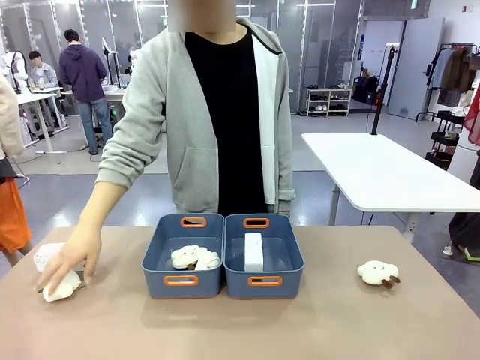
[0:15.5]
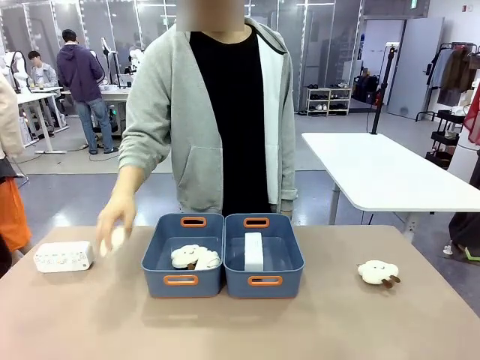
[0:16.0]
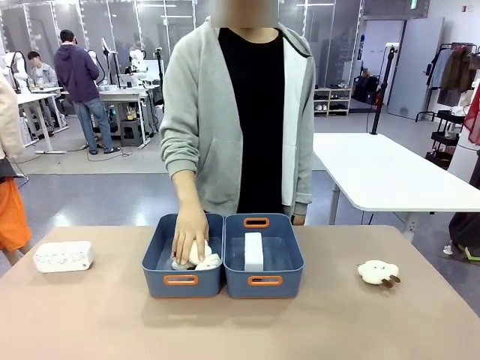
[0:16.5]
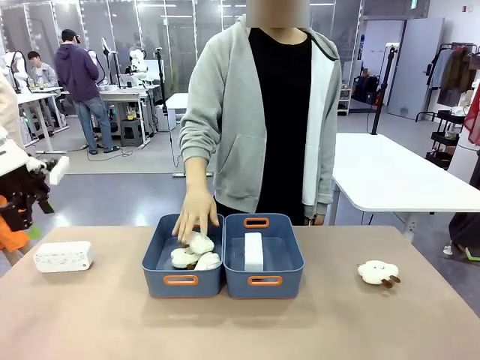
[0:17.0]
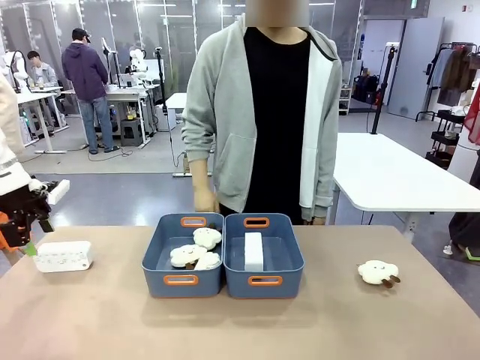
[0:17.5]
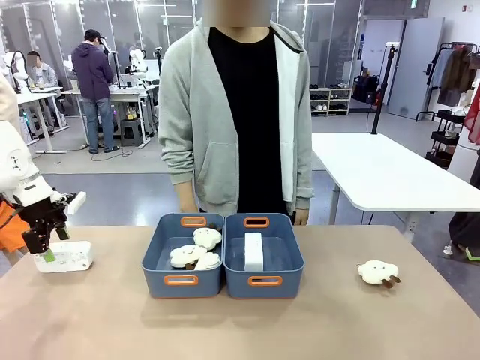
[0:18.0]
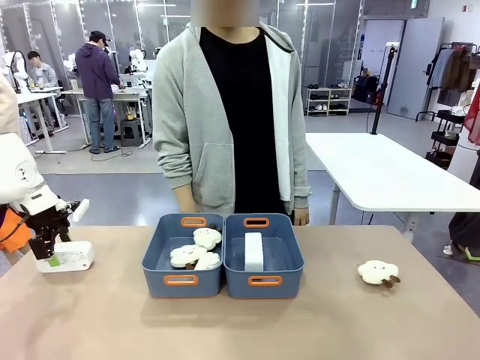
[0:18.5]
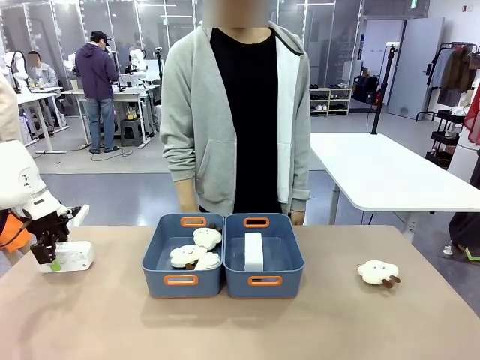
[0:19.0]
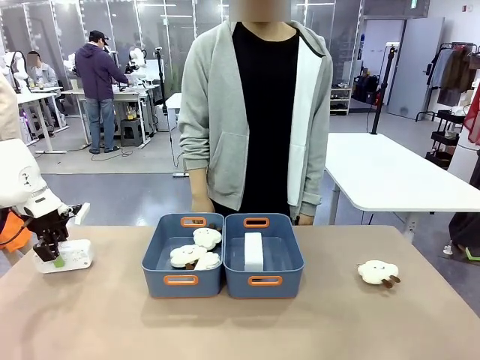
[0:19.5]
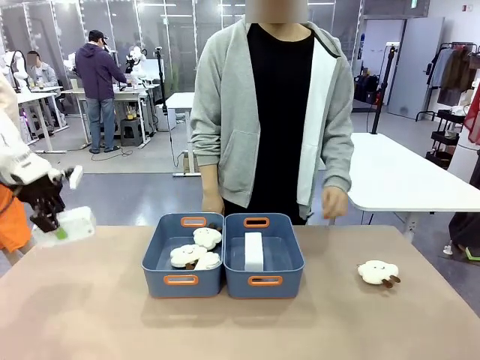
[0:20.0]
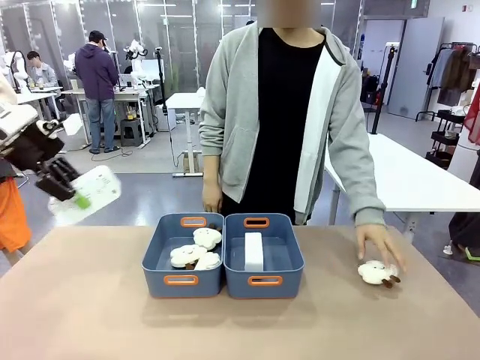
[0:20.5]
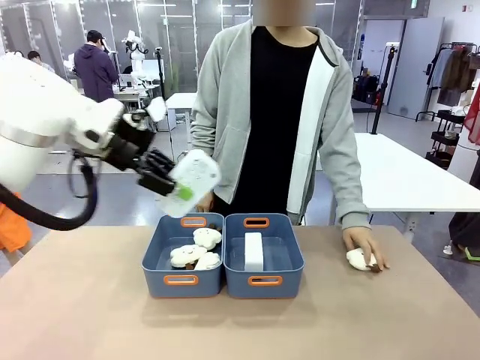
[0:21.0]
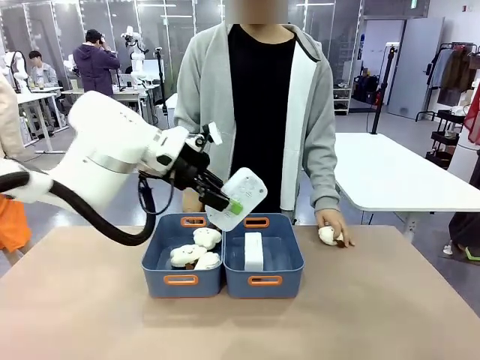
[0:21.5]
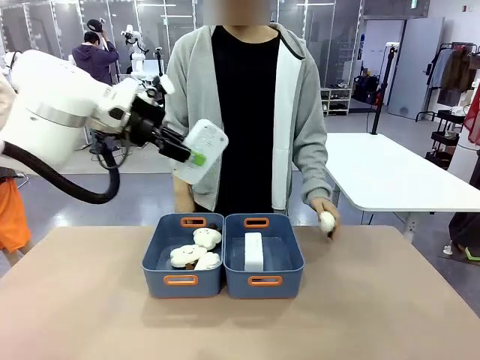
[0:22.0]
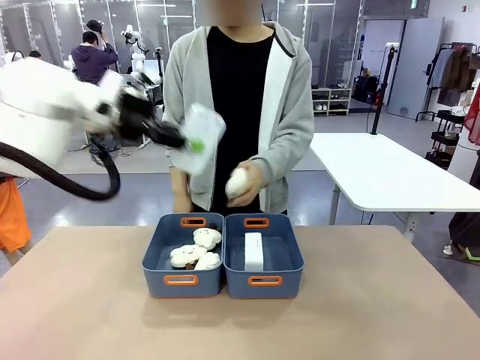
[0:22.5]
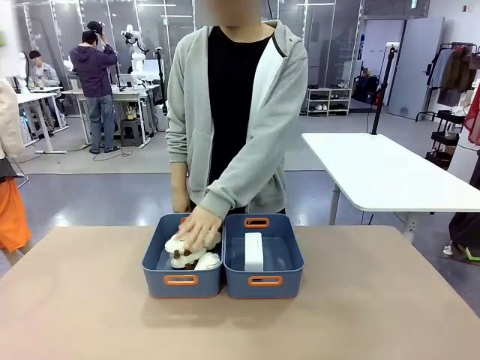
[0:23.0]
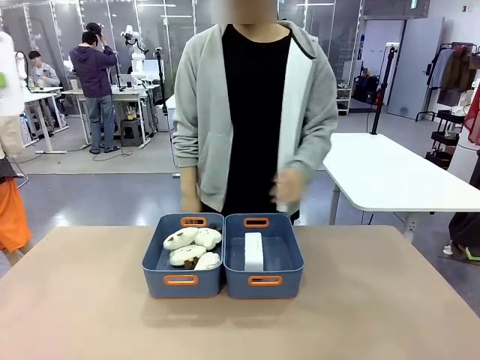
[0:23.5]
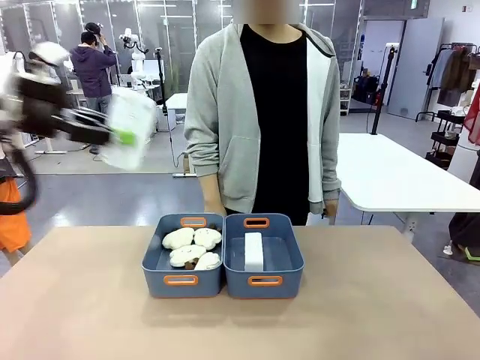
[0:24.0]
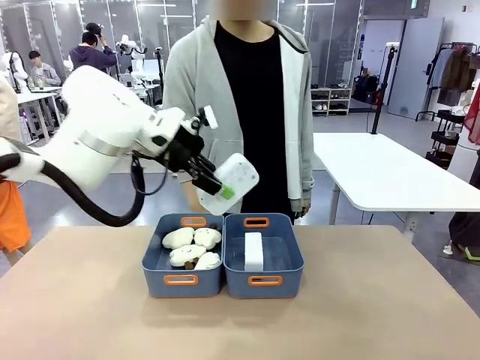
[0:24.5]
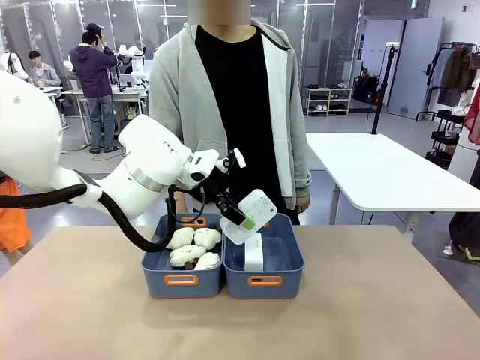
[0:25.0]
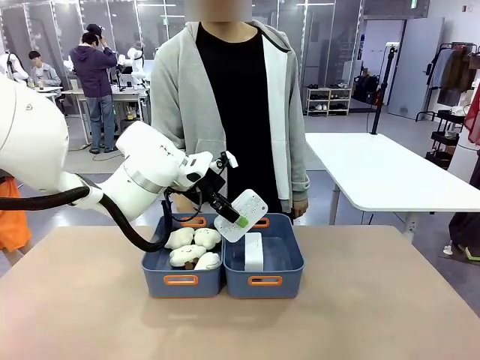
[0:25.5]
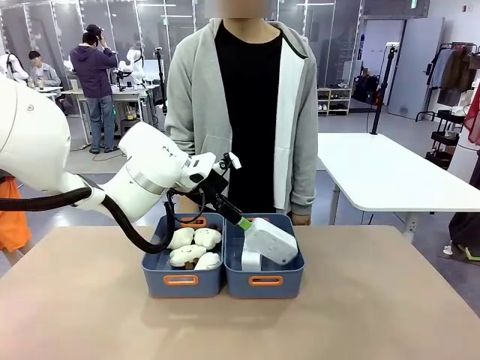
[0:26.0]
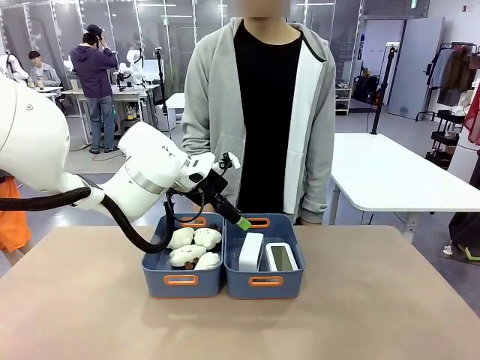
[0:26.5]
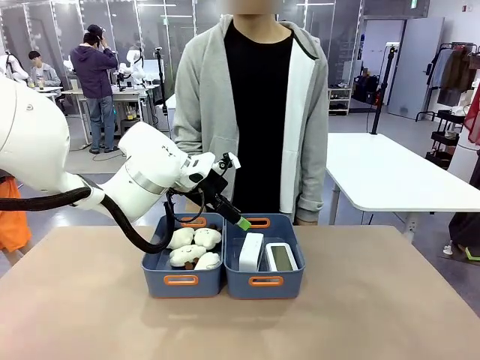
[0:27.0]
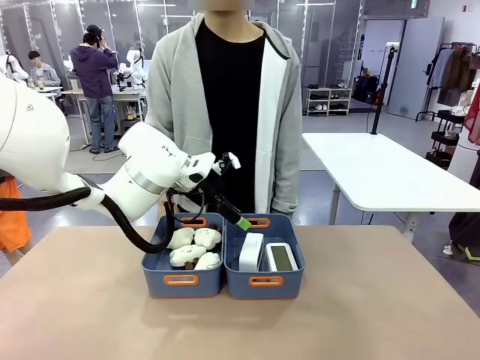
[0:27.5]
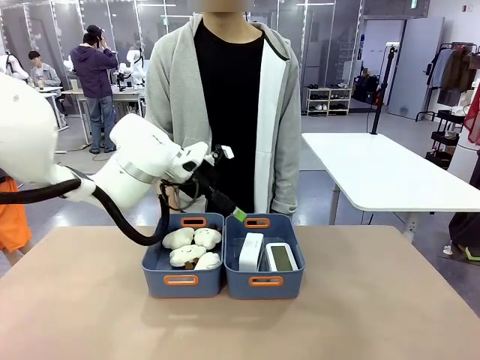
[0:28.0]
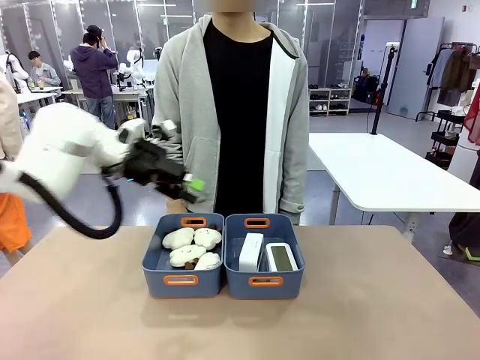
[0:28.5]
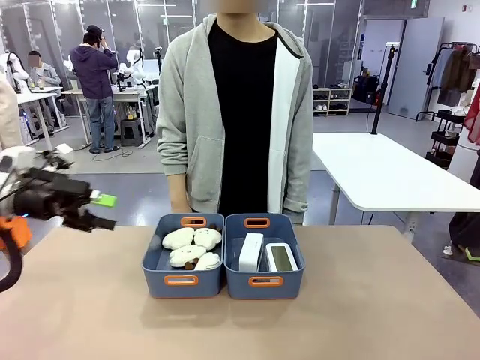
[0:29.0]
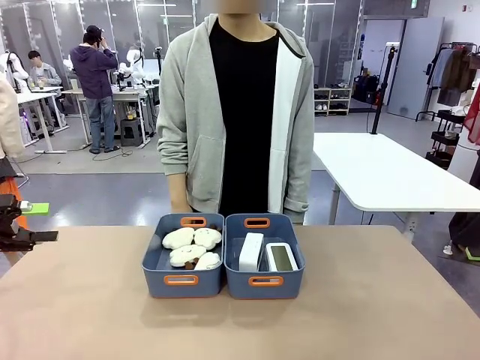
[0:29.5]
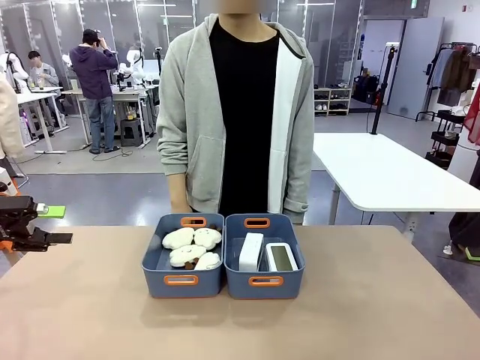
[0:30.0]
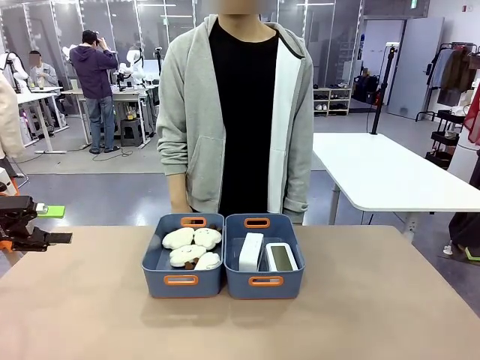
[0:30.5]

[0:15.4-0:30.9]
Task: Sort the digital clocks into the basket.
Robot: Pick up the Digital clock from the table and place it into the empty Plastic storage basket.
Person: Pick up a plush toy from the table and place it in the plastic storage basket containing the plush toy.
